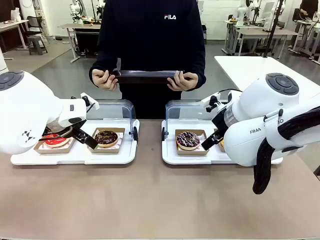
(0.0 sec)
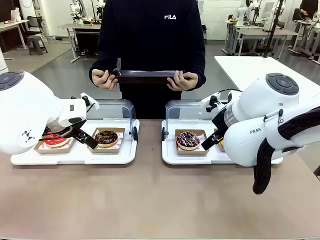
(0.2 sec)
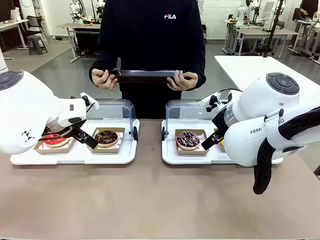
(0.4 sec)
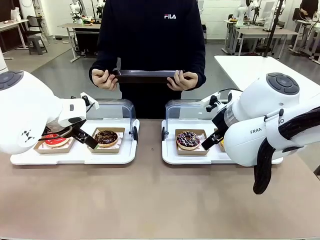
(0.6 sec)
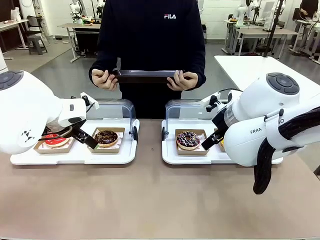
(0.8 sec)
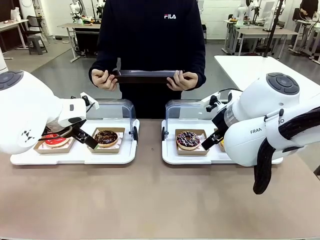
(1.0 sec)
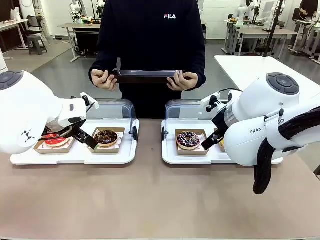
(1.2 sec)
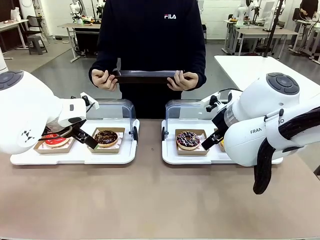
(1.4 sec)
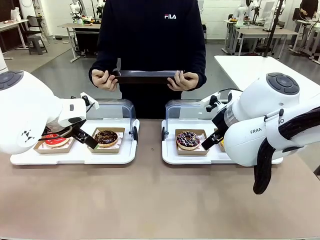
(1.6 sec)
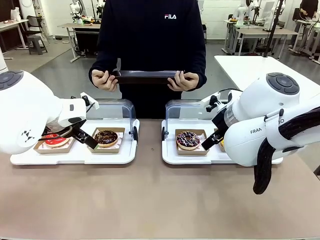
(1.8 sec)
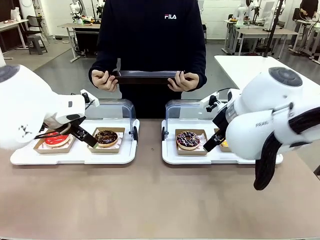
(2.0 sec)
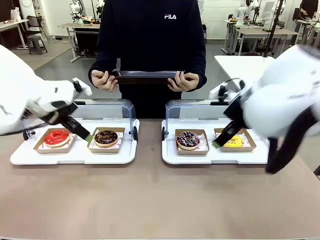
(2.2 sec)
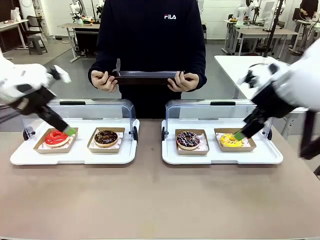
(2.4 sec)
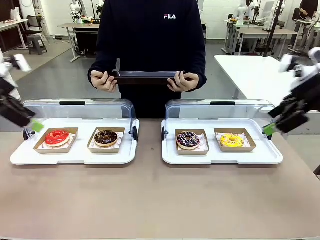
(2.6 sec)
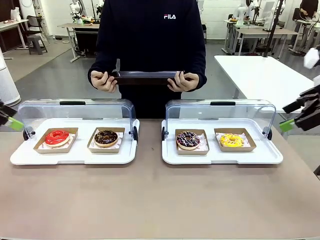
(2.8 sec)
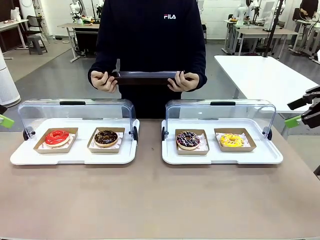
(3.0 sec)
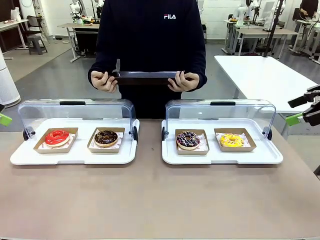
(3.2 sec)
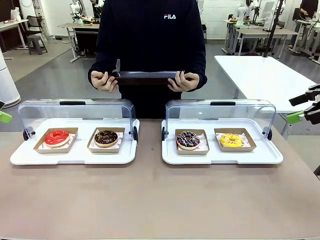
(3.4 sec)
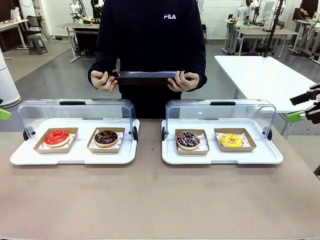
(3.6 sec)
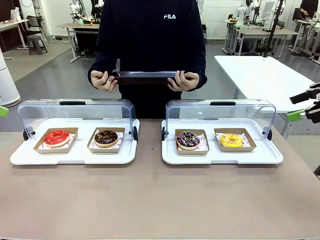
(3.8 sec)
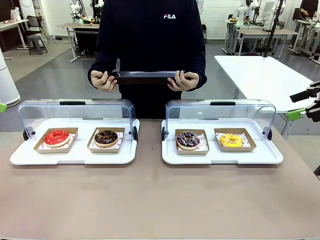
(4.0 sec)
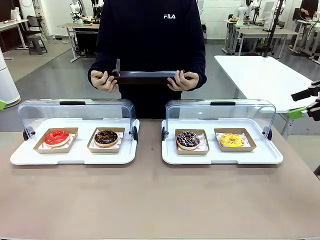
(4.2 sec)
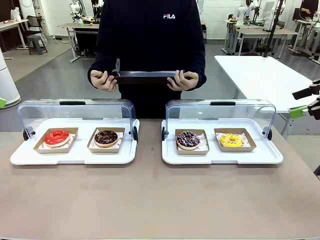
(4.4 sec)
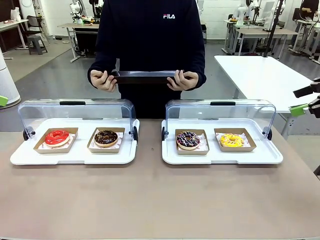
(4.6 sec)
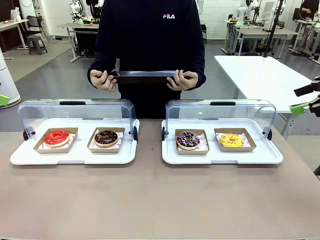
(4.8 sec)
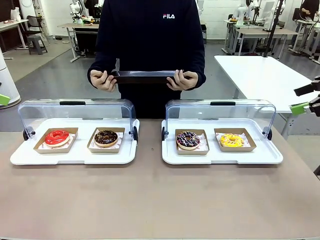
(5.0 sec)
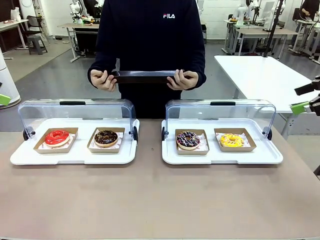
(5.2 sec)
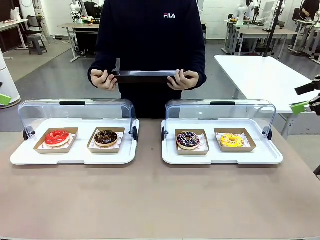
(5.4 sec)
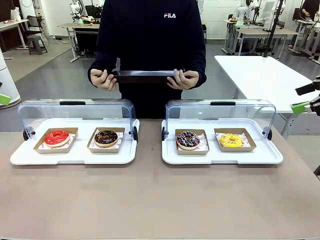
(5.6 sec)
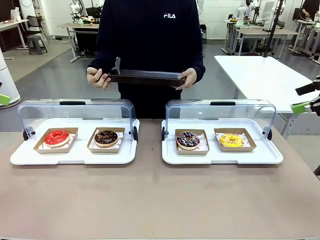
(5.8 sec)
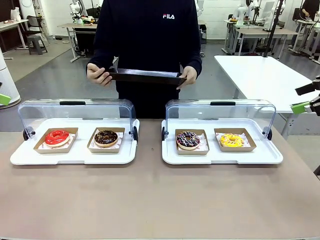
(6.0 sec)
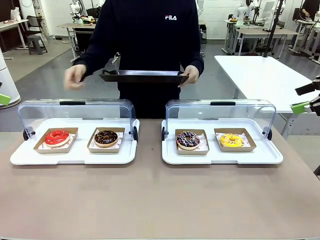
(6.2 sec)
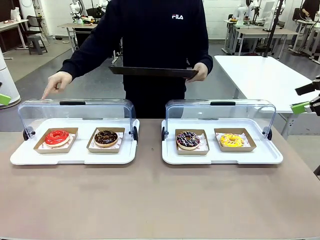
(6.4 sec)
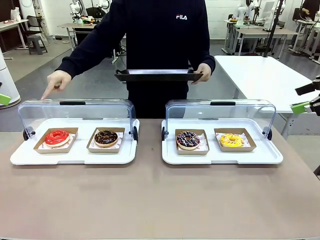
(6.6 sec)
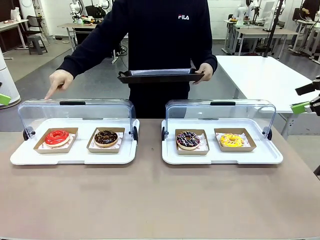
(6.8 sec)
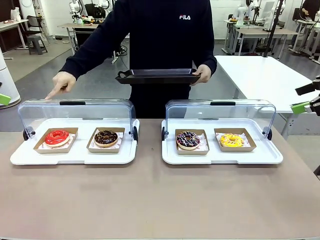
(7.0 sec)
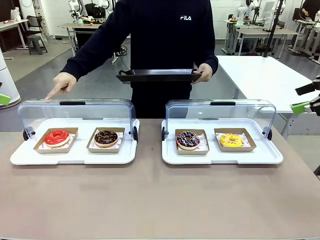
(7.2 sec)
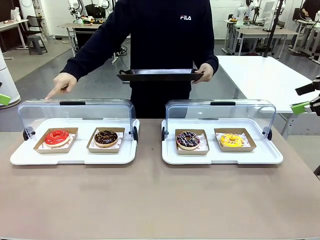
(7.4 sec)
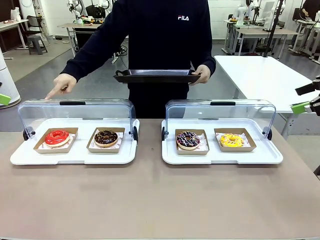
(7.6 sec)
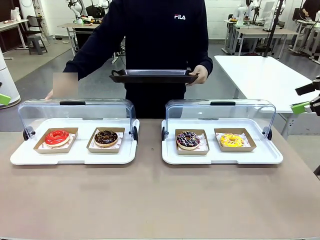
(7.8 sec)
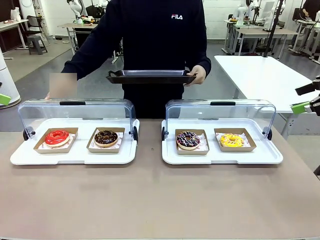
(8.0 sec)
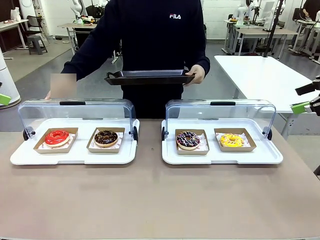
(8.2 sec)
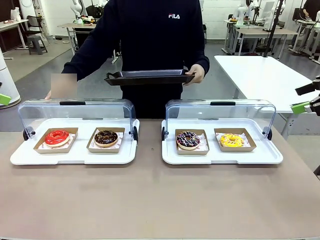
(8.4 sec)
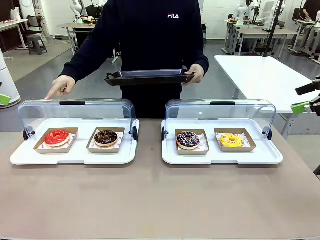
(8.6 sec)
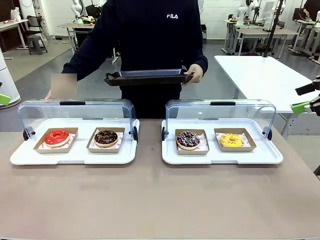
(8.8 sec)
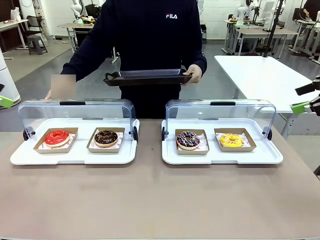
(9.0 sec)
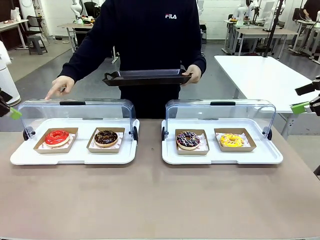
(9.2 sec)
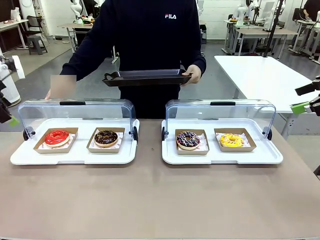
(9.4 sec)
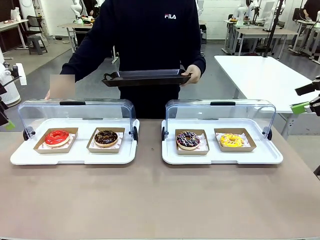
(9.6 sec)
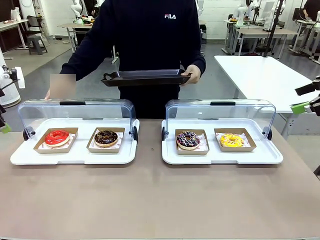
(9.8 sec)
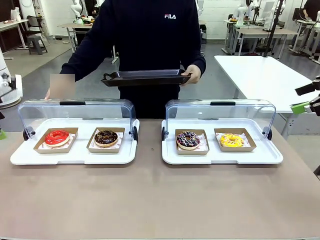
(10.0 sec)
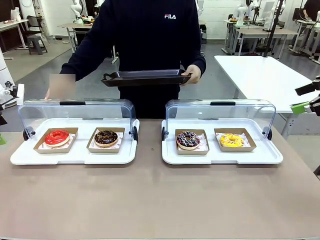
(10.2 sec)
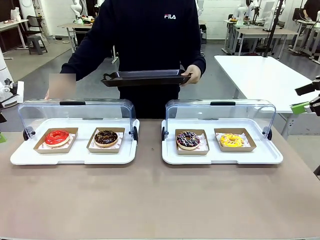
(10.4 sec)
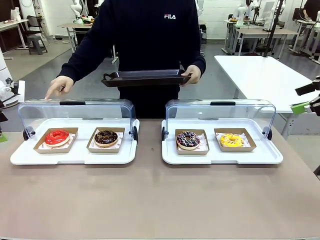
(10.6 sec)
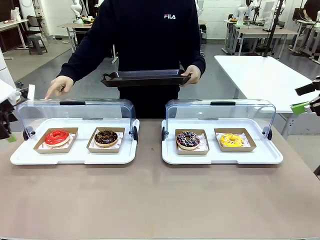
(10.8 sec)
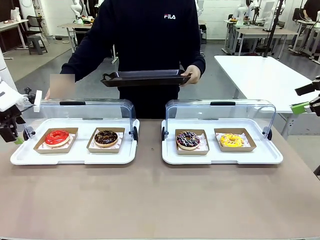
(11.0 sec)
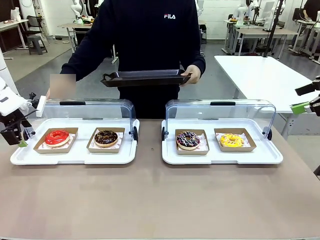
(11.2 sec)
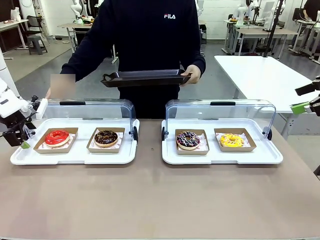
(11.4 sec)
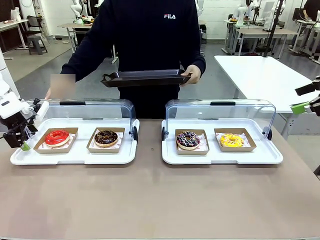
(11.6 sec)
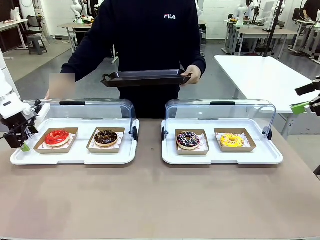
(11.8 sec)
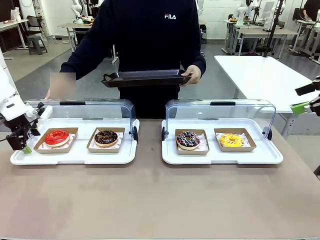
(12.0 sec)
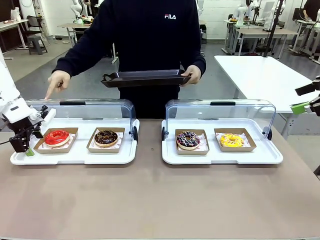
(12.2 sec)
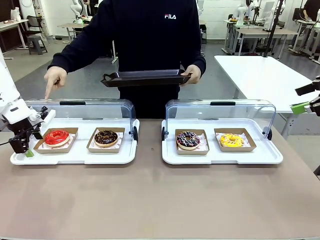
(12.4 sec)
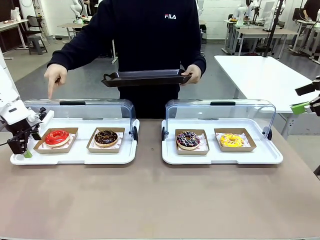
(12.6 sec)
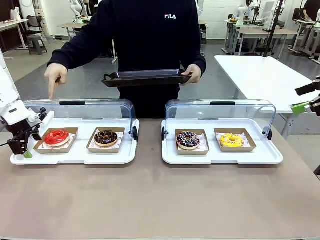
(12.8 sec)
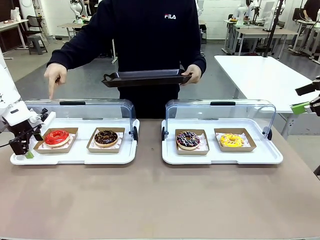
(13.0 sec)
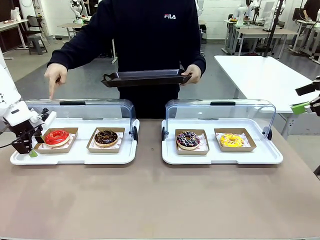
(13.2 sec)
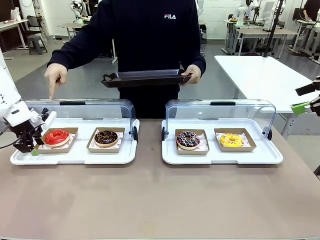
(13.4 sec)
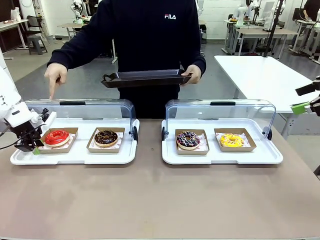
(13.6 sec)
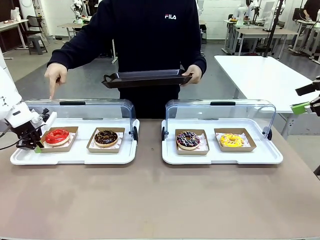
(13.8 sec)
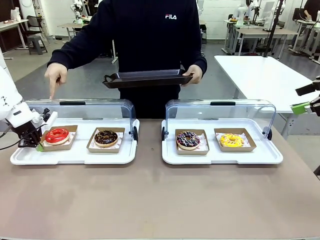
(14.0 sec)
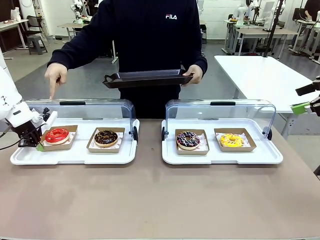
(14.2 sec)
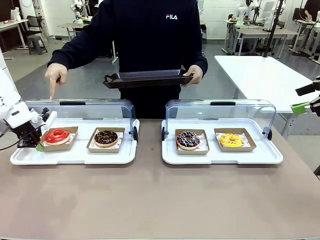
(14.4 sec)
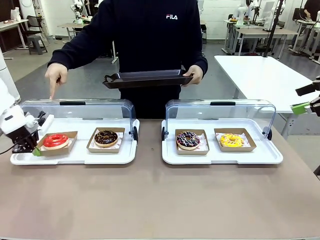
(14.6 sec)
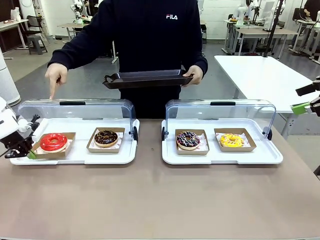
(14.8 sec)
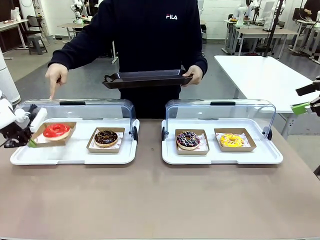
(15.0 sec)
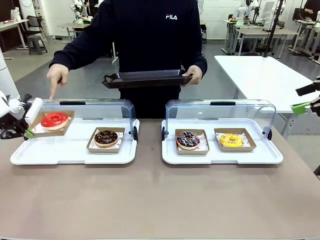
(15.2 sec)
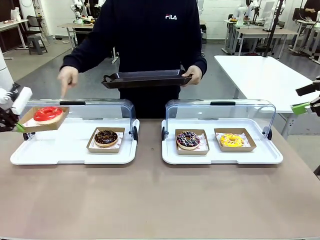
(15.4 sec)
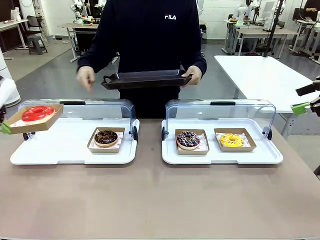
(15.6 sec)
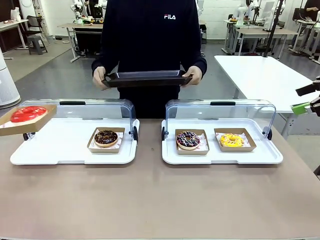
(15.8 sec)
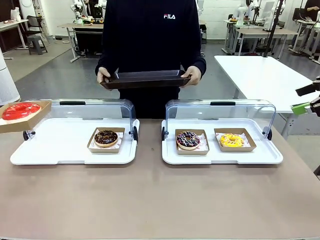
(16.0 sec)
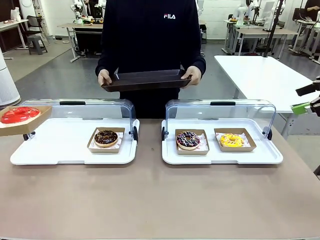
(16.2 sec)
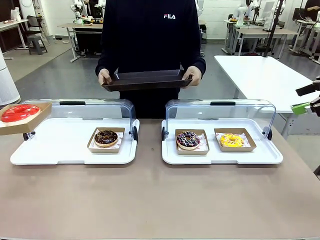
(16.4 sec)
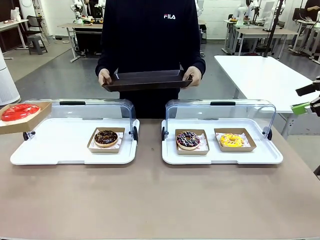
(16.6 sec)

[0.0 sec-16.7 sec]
Task: Provide the desired donut to the person.
Robot: Pick up and lift the Paper togo box containing the Donut pointed at by the person.
Person: Point to one donut. Lift the tray onto the Roll-Top Bakery Case.

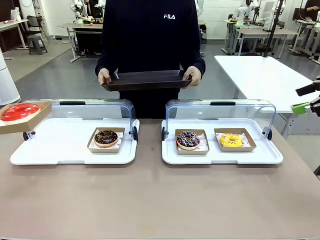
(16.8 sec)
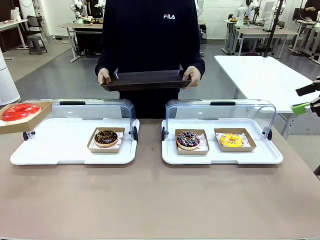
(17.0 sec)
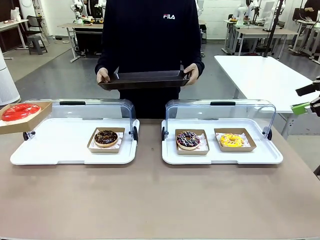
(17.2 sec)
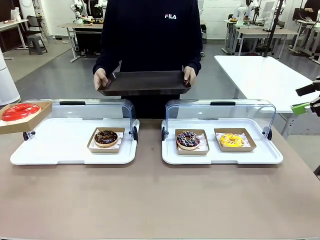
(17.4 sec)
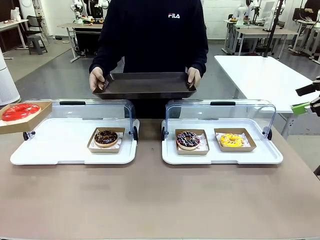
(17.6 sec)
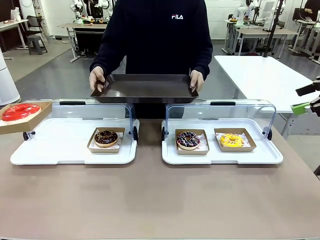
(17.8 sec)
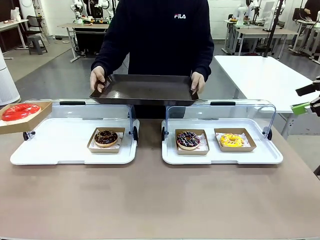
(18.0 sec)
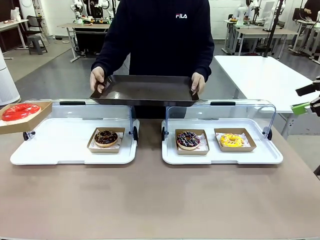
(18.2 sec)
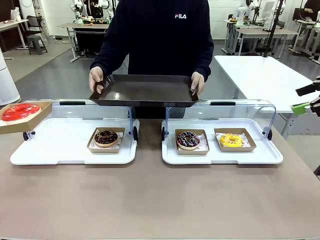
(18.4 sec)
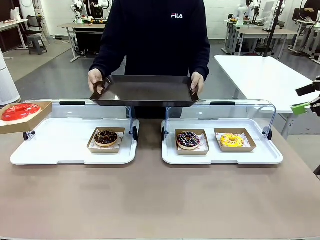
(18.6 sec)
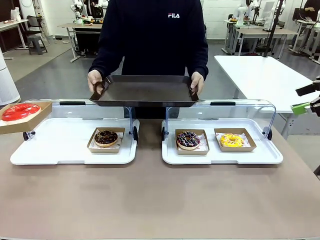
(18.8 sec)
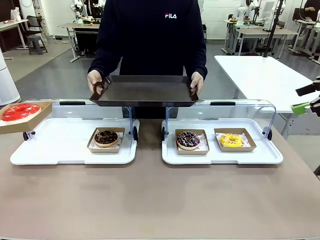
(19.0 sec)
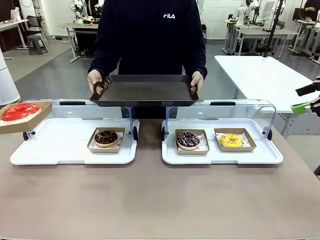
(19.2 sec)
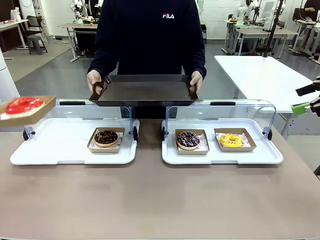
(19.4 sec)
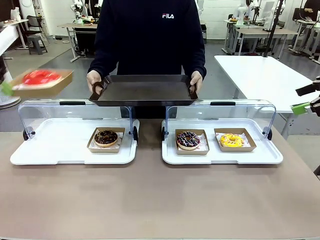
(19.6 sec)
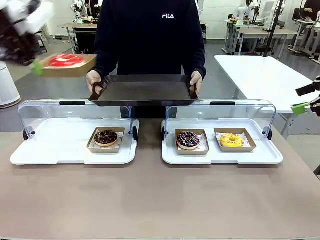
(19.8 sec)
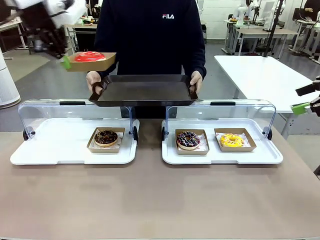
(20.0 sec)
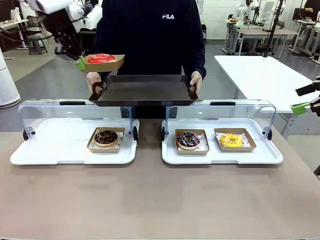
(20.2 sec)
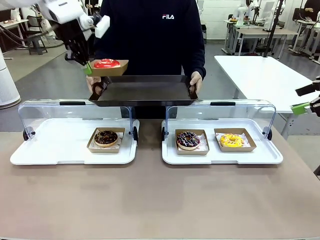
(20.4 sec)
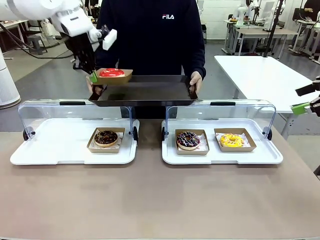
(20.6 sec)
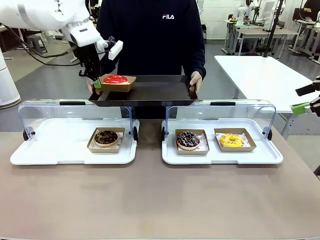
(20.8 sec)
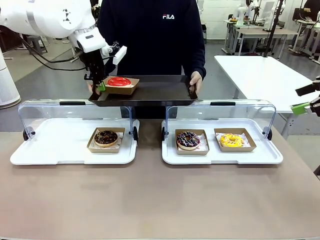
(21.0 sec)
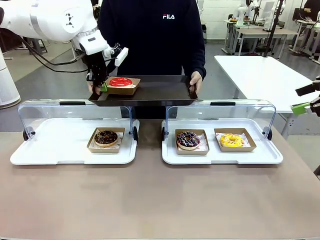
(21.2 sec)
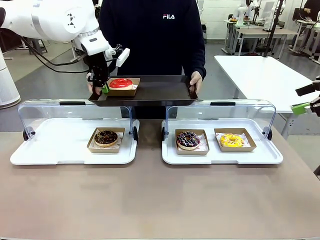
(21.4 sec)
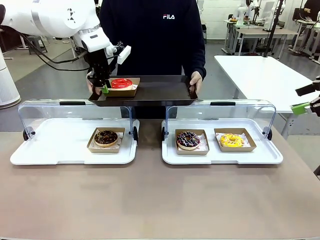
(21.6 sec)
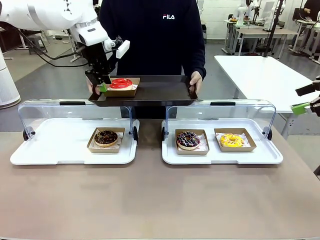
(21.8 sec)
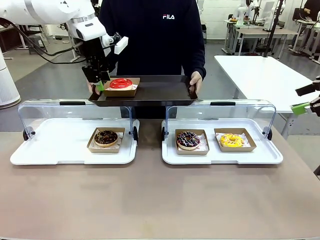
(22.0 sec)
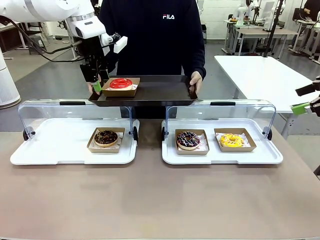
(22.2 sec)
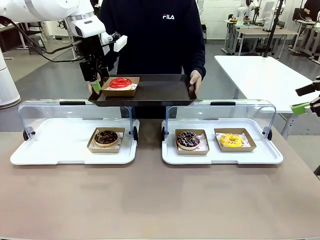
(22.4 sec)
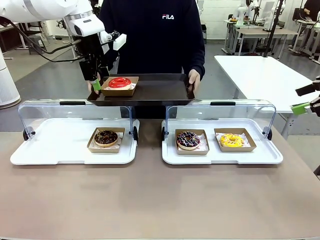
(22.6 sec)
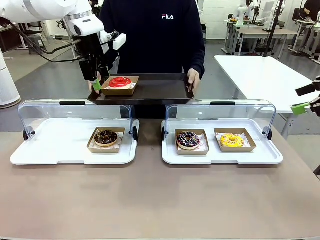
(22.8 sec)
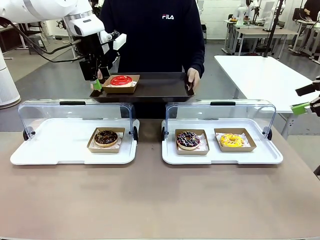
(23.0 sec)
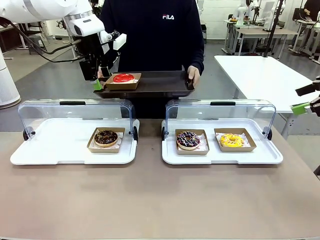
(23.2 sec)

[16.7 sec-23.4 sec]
Robot: Place the picked Paper togo box onto the Handle tray extended by the person.
Person: Point to one donut.
